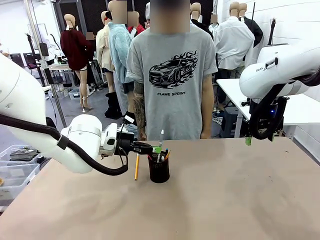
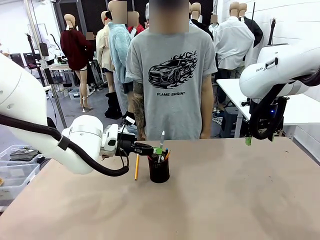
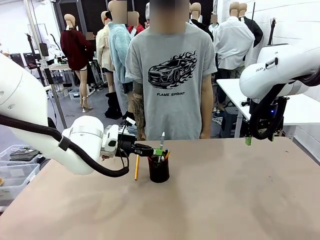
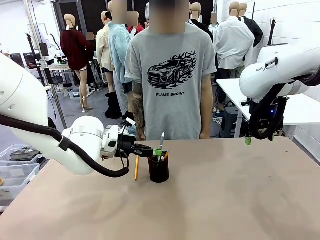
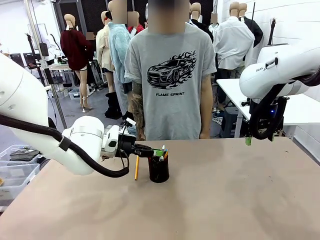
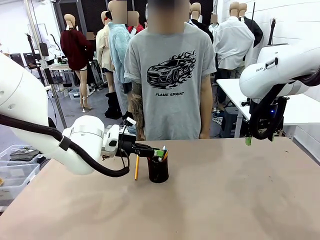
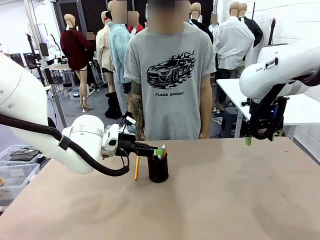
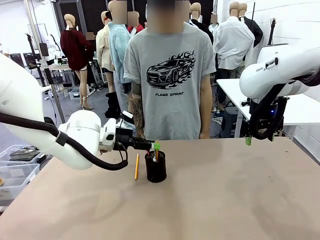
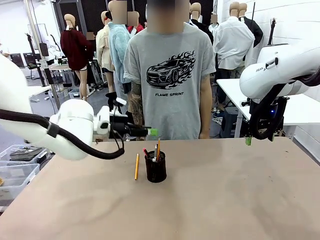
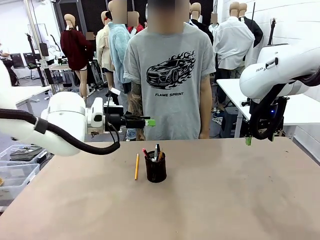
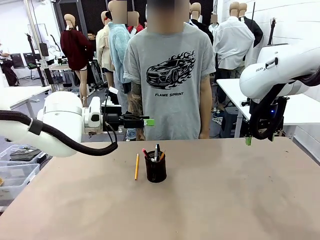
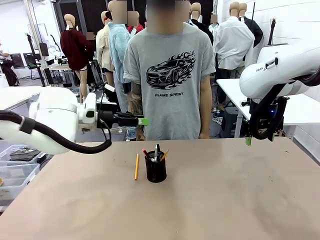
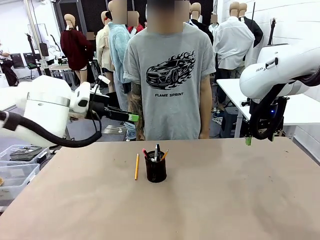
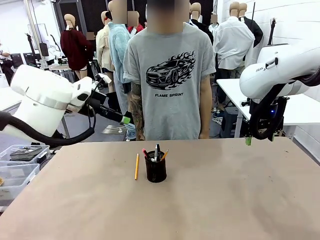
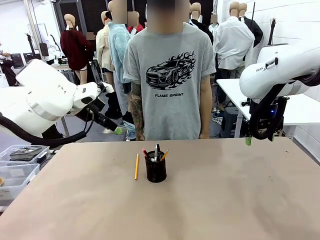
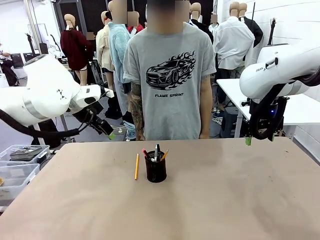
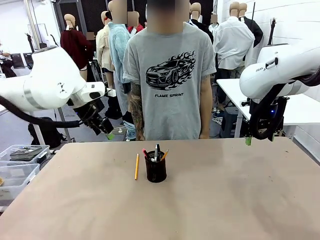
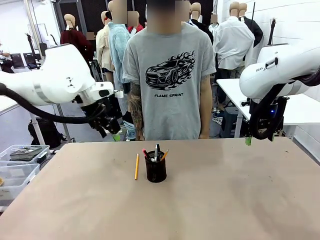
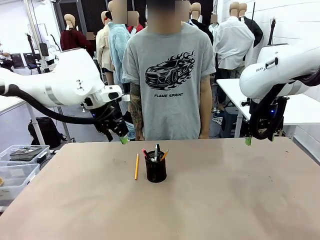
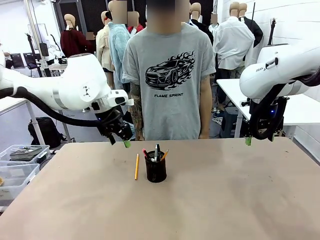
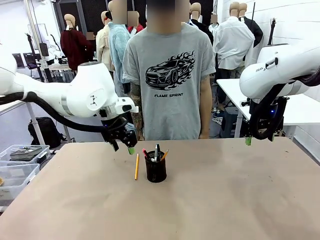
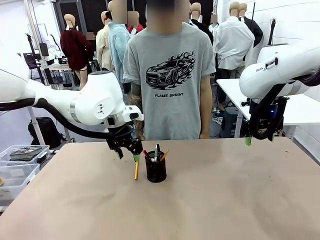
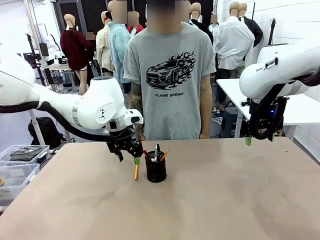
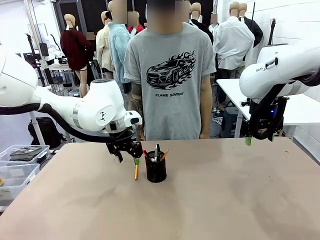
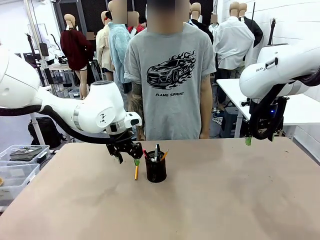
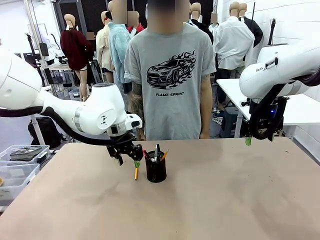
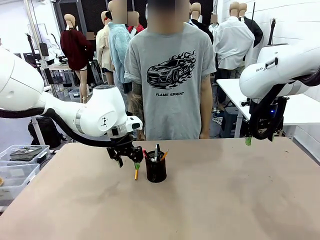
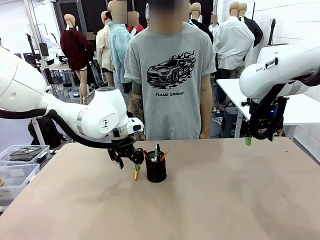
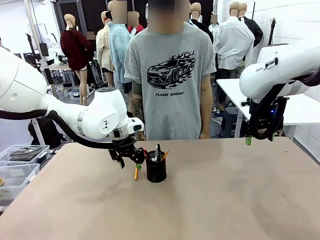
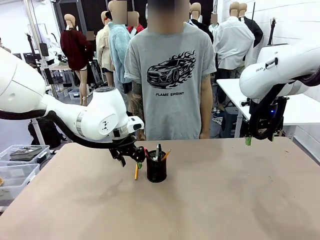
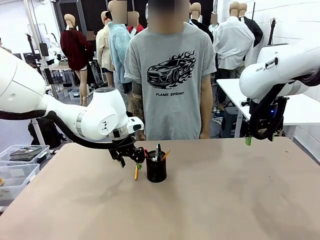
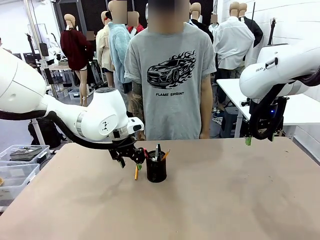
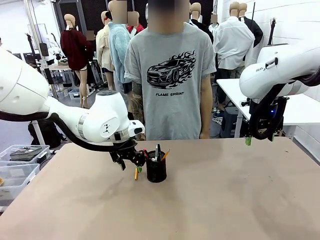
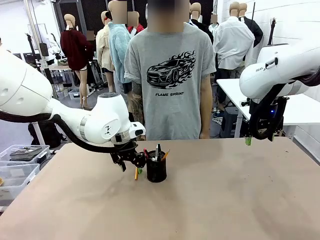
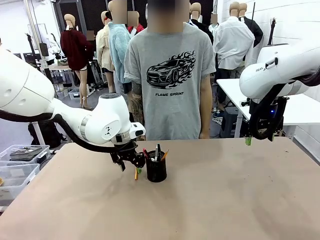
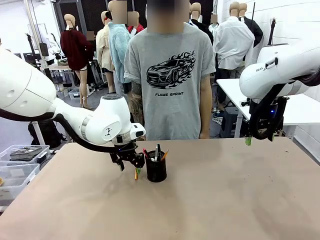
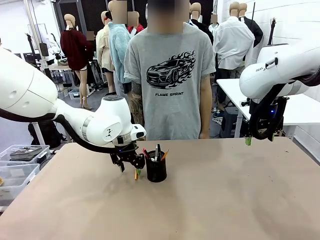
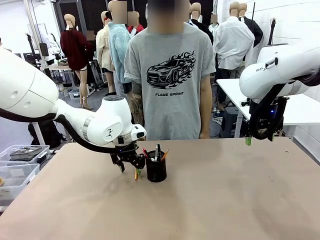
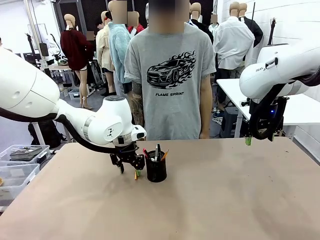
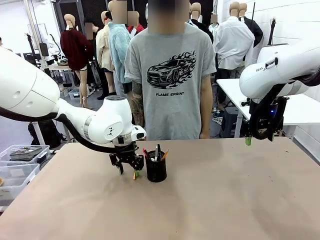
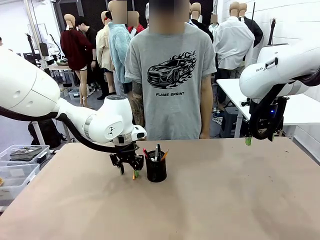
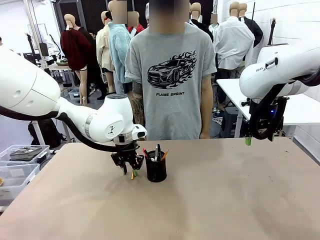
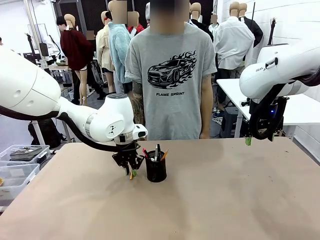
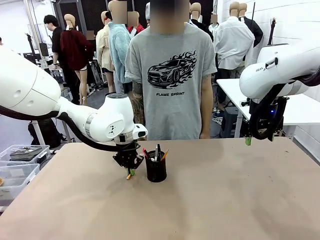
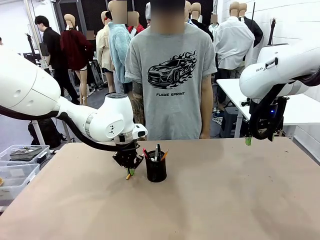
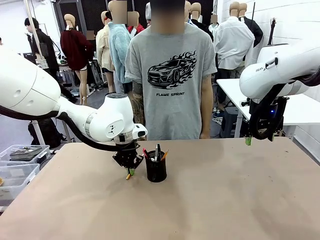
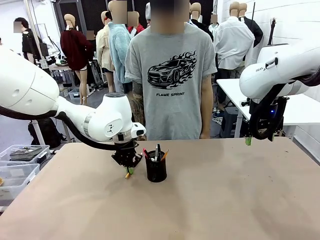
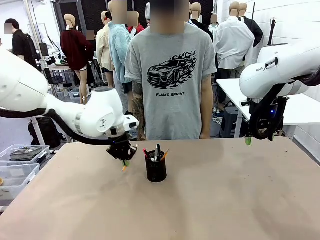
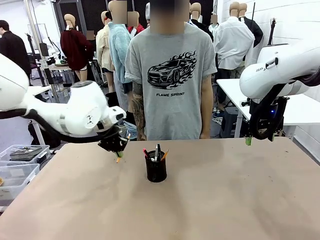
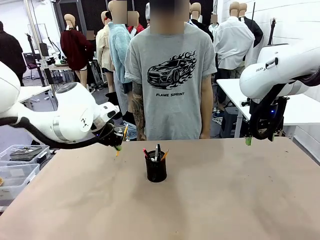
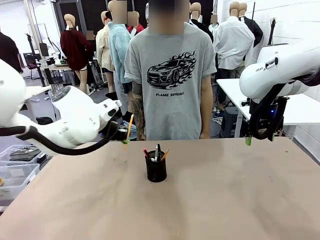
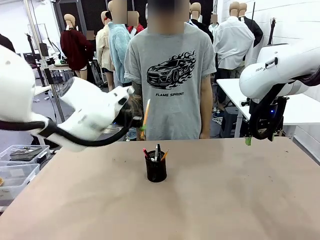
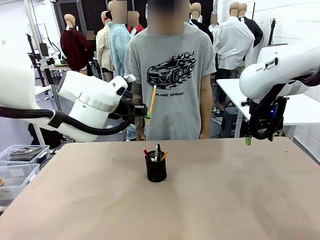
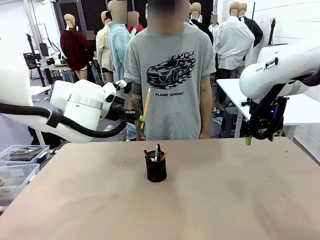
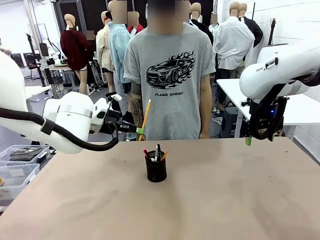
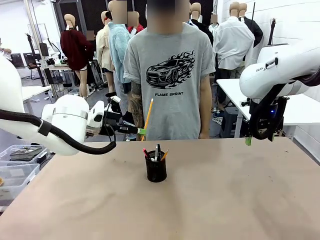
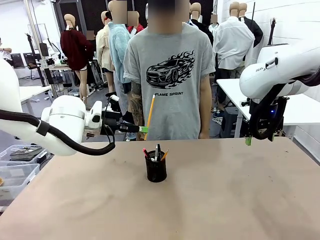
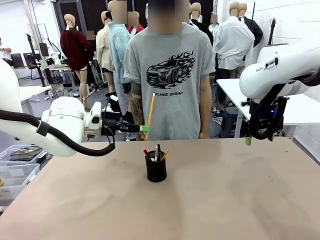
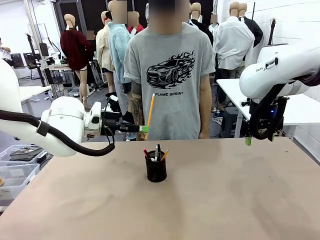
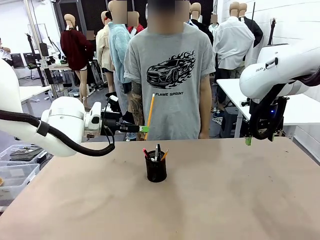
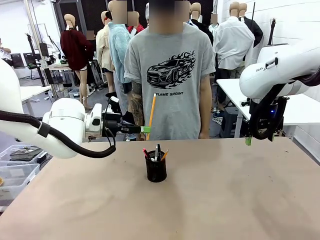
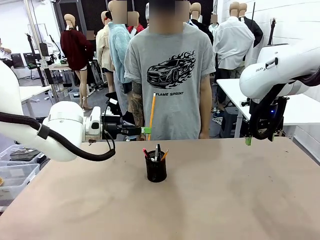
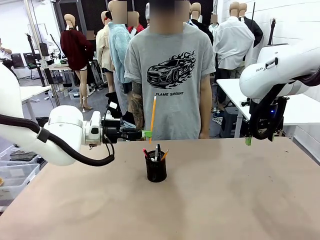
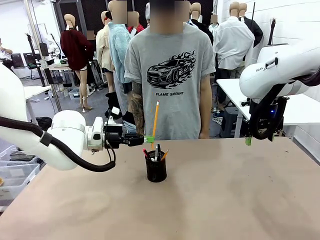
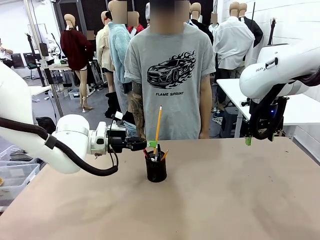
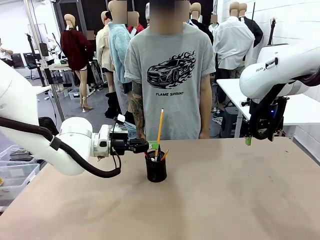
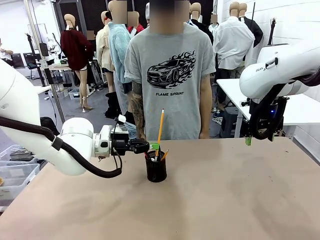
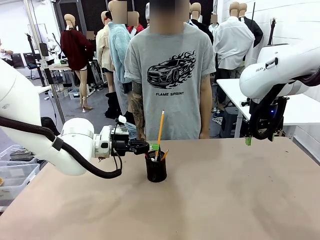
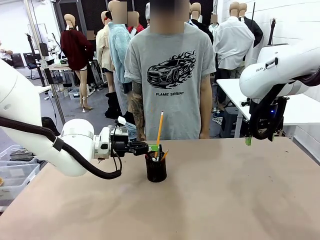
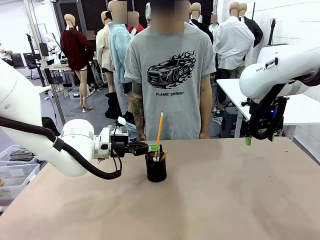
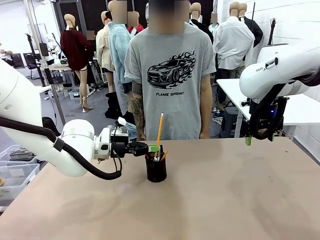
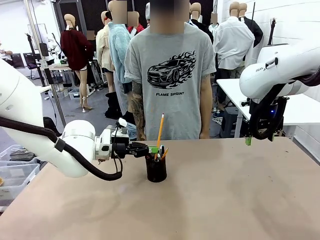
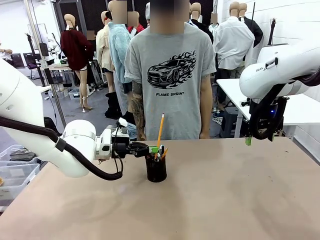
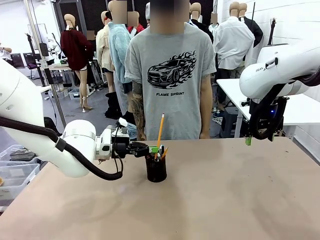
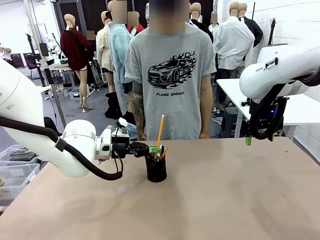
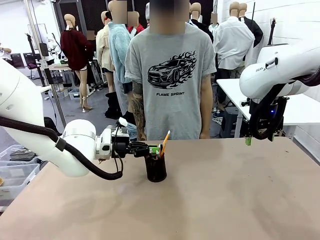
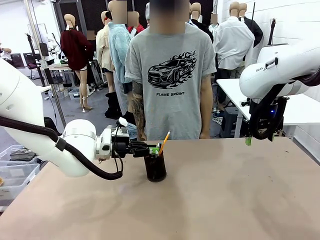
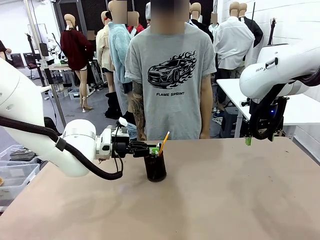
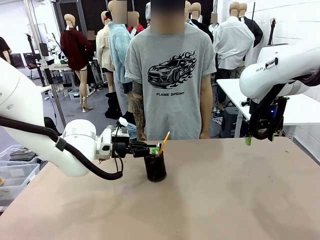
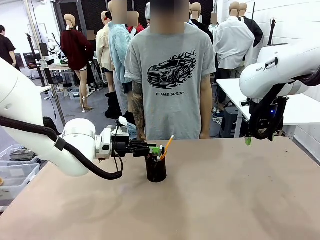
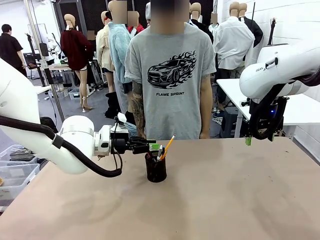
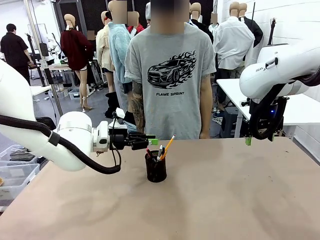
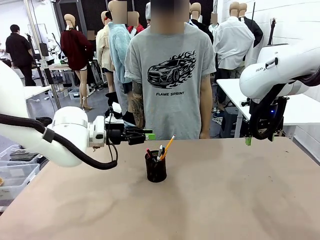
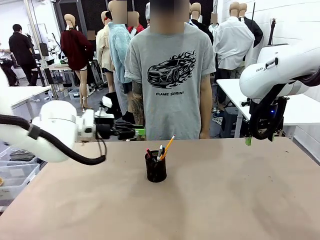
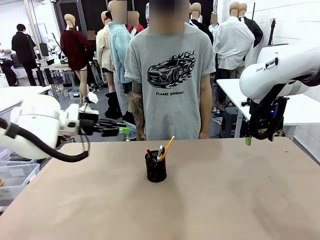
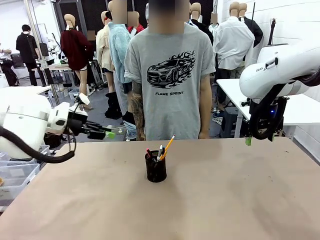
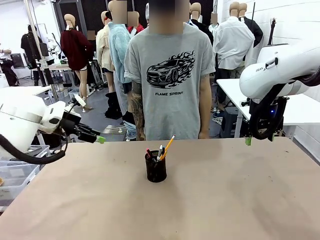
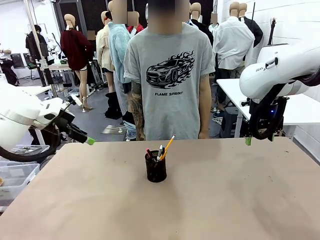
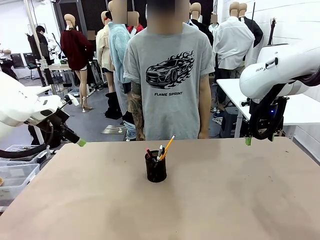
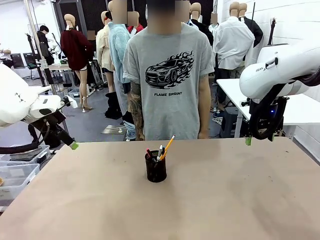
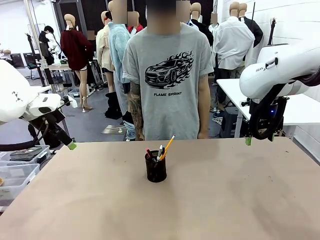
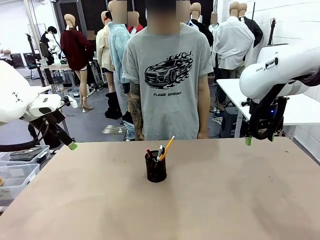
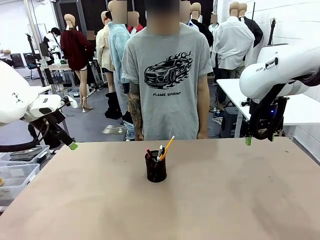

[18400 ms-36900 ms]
Task: Place the pens into the pen holder.
Robot: Pick up a writing instrument from the table and place it into the Pen holder.
Person: Place all writing instrument into the Pen holder.
